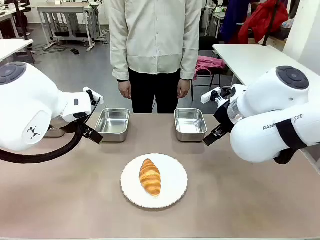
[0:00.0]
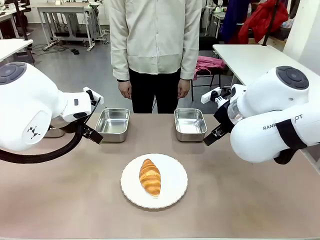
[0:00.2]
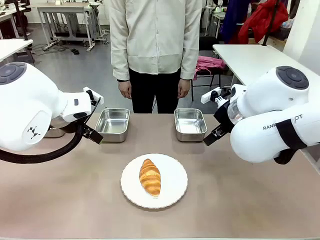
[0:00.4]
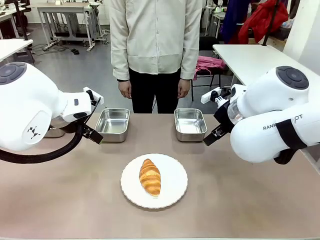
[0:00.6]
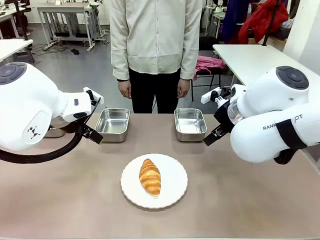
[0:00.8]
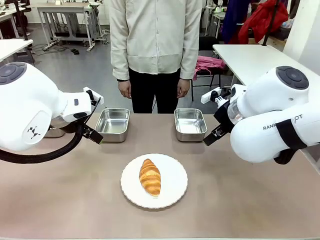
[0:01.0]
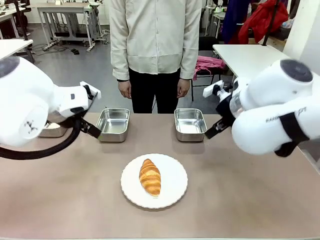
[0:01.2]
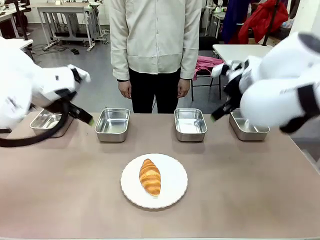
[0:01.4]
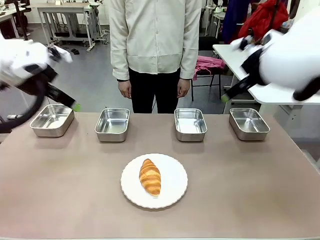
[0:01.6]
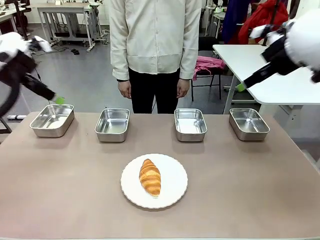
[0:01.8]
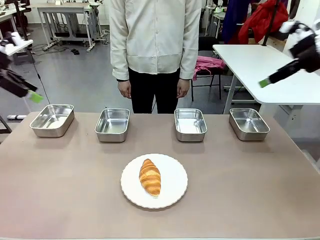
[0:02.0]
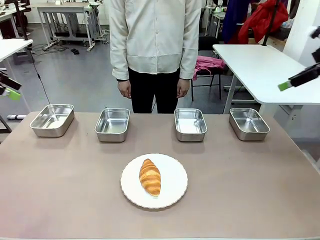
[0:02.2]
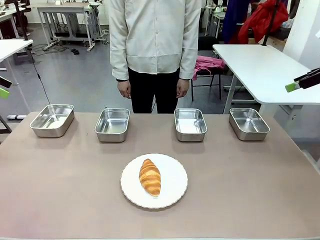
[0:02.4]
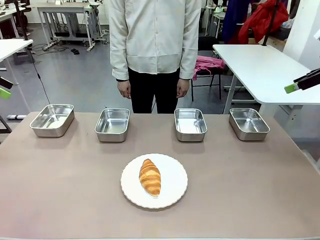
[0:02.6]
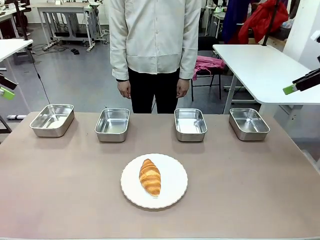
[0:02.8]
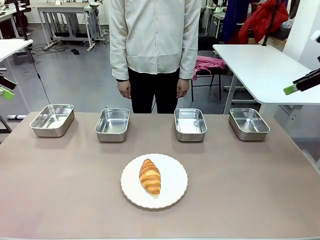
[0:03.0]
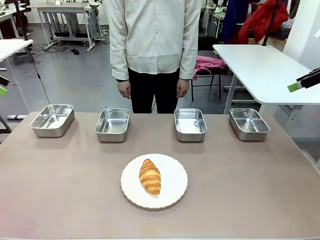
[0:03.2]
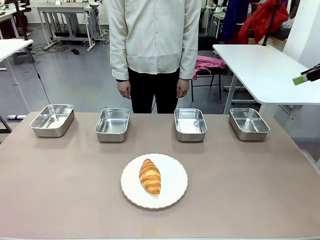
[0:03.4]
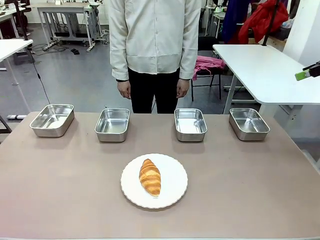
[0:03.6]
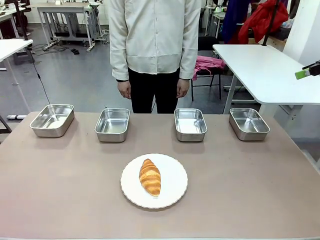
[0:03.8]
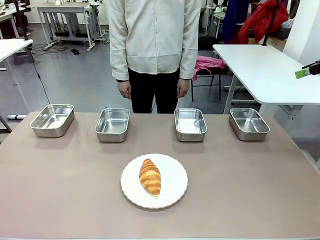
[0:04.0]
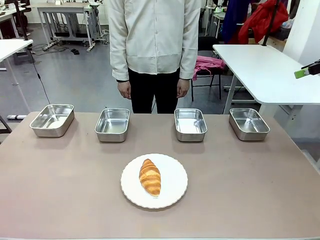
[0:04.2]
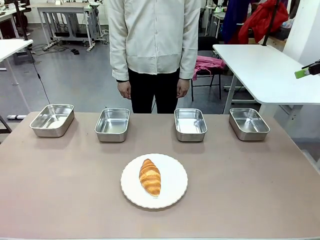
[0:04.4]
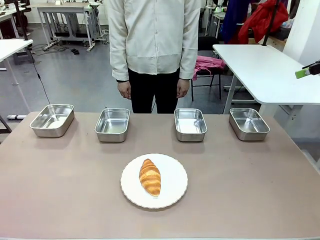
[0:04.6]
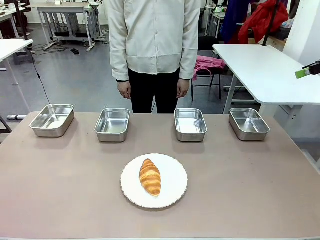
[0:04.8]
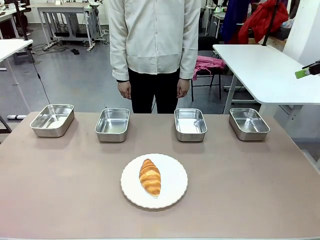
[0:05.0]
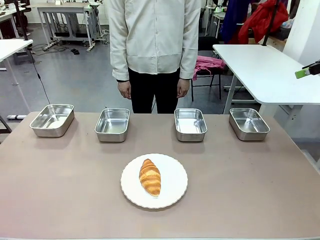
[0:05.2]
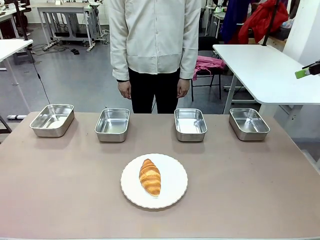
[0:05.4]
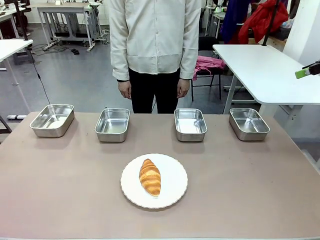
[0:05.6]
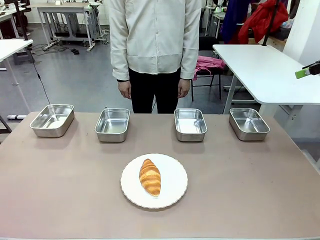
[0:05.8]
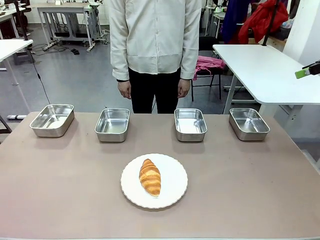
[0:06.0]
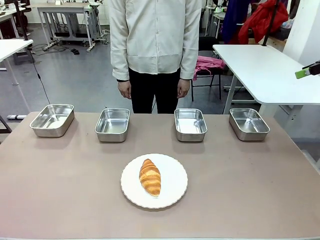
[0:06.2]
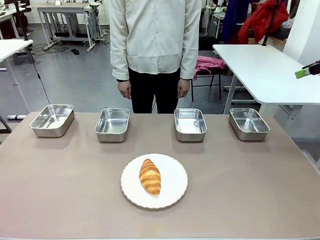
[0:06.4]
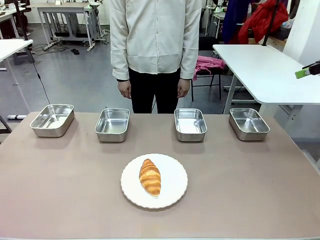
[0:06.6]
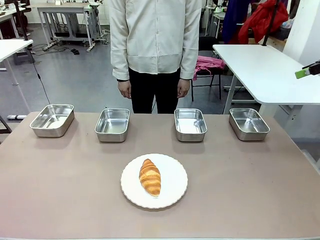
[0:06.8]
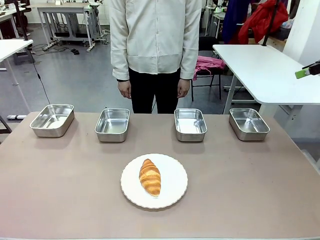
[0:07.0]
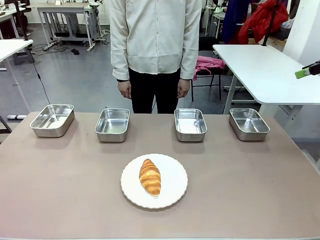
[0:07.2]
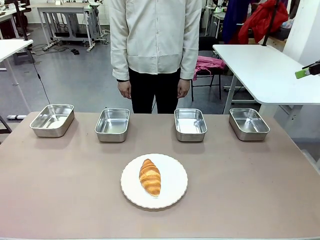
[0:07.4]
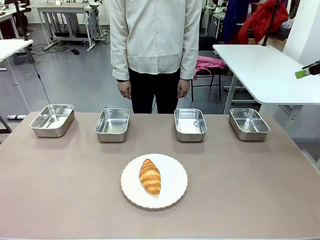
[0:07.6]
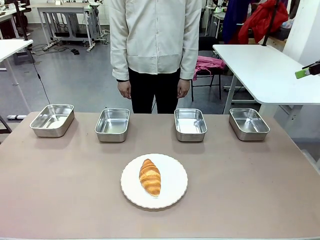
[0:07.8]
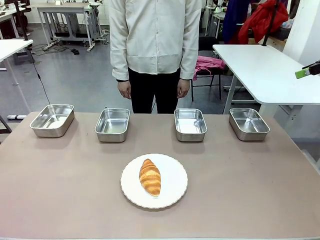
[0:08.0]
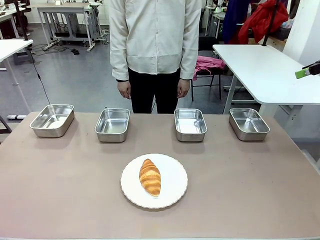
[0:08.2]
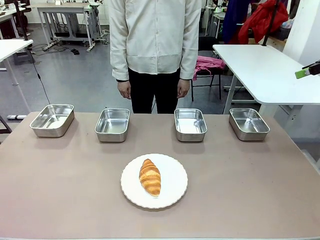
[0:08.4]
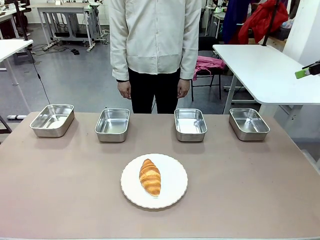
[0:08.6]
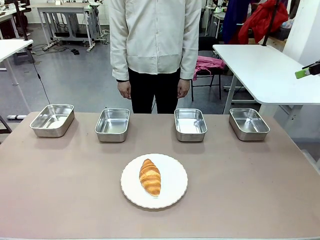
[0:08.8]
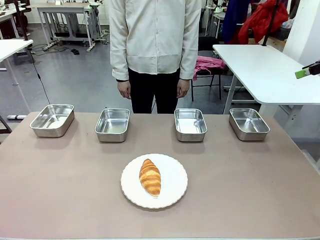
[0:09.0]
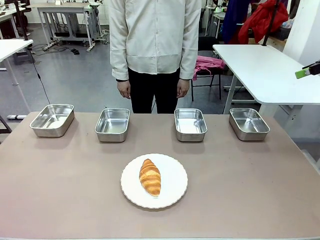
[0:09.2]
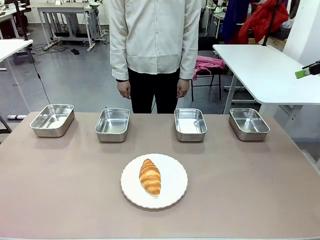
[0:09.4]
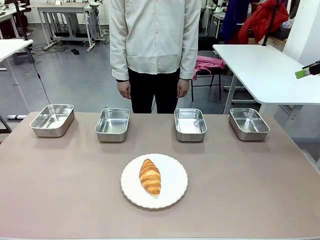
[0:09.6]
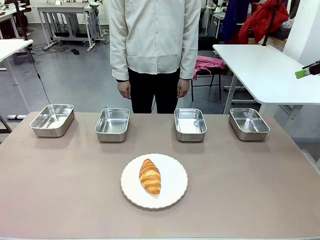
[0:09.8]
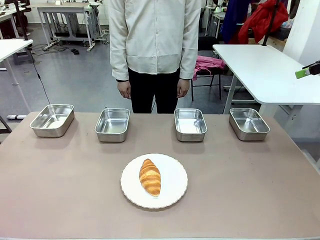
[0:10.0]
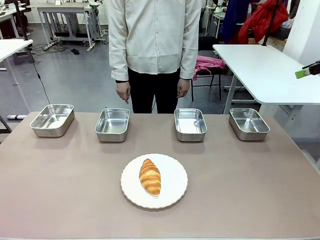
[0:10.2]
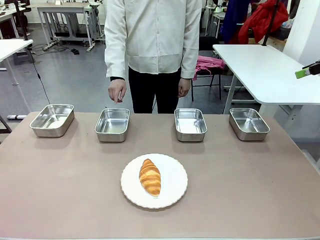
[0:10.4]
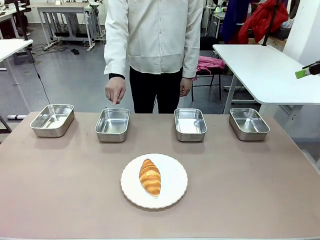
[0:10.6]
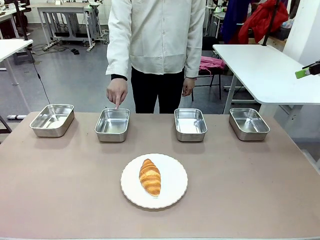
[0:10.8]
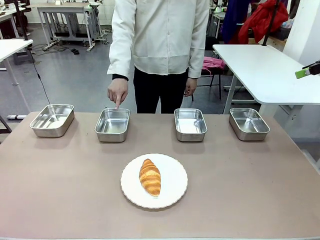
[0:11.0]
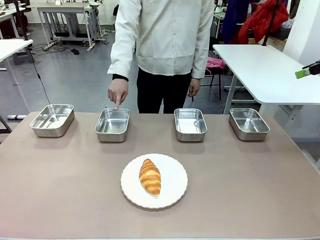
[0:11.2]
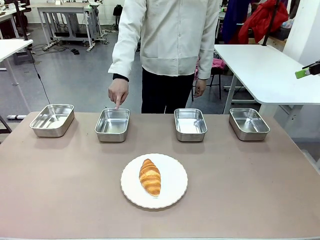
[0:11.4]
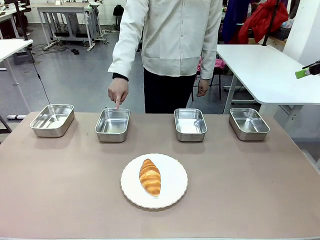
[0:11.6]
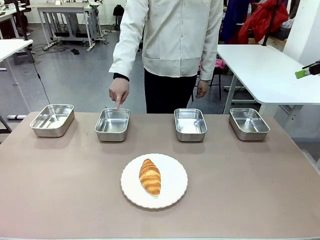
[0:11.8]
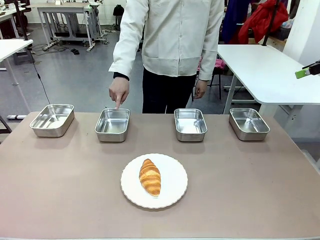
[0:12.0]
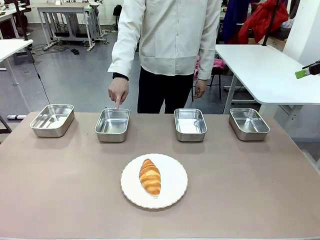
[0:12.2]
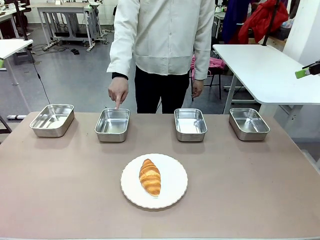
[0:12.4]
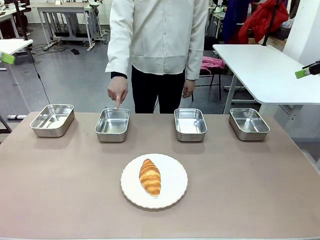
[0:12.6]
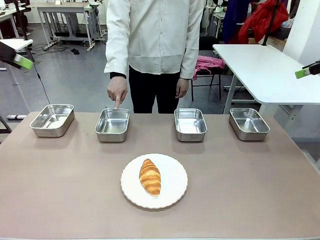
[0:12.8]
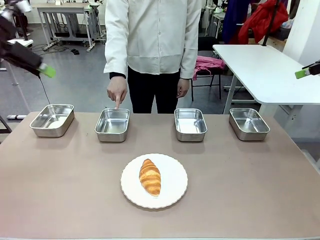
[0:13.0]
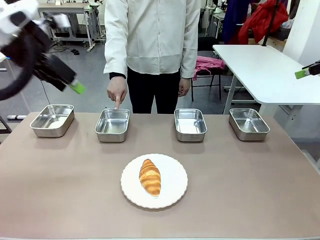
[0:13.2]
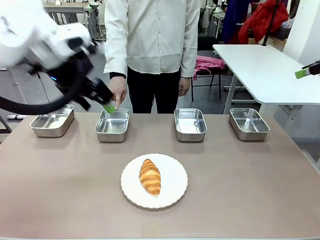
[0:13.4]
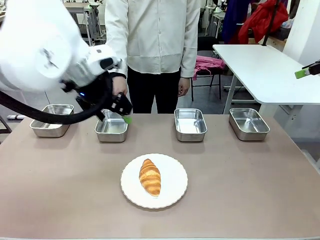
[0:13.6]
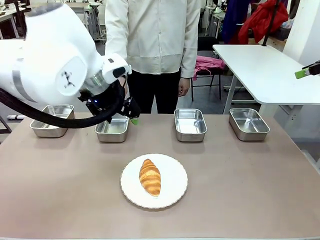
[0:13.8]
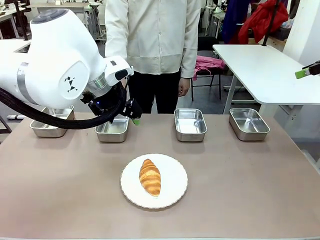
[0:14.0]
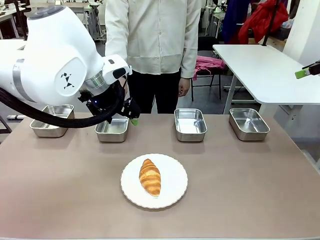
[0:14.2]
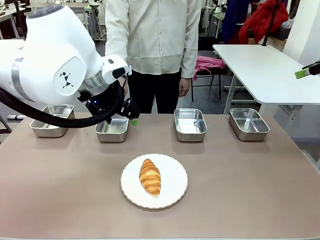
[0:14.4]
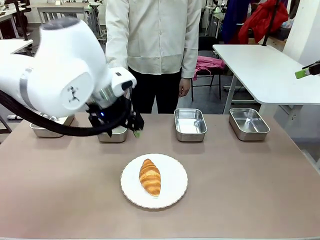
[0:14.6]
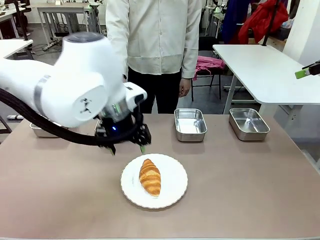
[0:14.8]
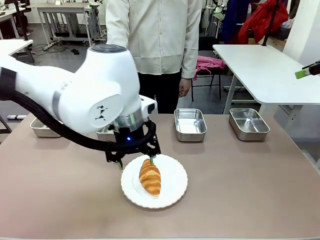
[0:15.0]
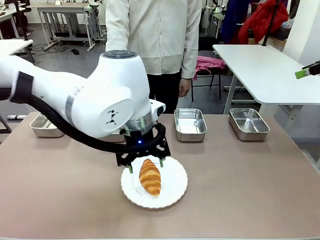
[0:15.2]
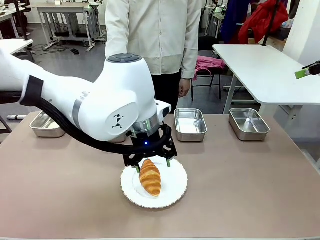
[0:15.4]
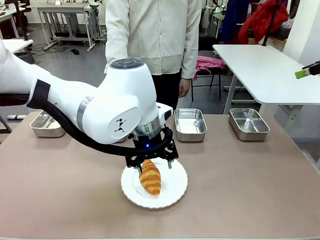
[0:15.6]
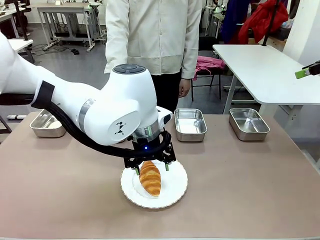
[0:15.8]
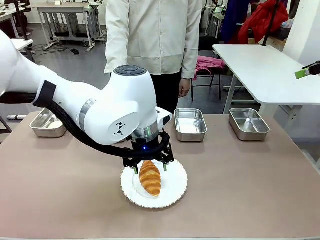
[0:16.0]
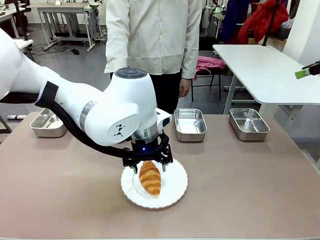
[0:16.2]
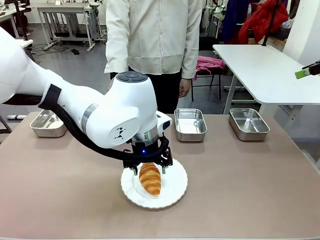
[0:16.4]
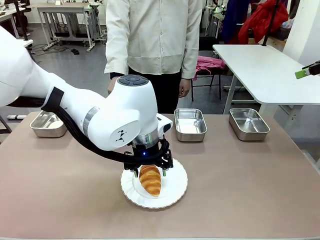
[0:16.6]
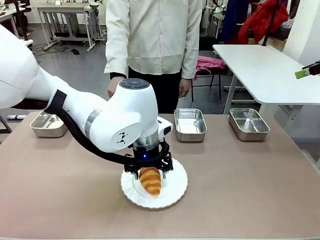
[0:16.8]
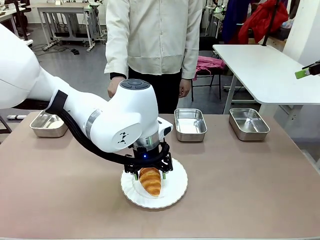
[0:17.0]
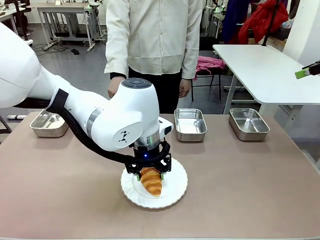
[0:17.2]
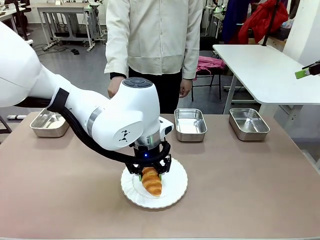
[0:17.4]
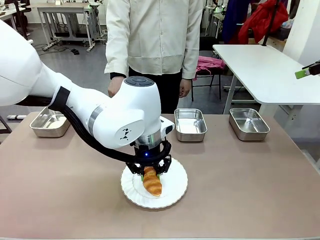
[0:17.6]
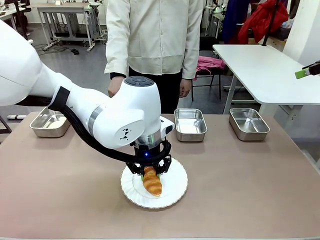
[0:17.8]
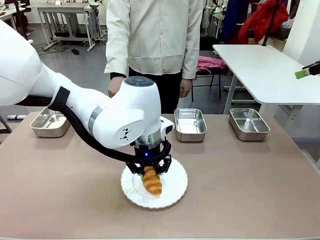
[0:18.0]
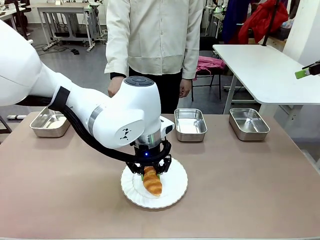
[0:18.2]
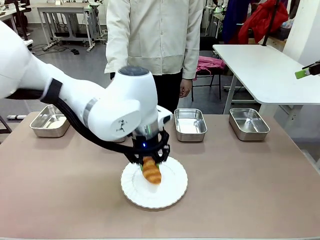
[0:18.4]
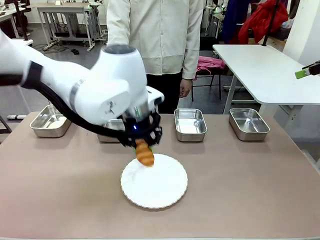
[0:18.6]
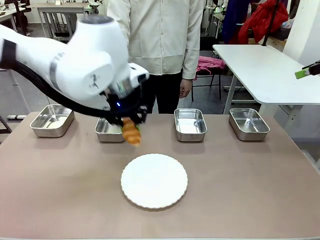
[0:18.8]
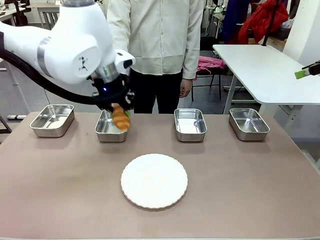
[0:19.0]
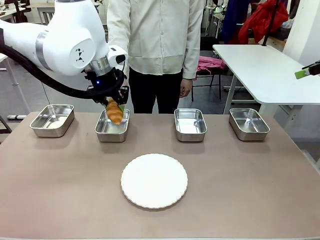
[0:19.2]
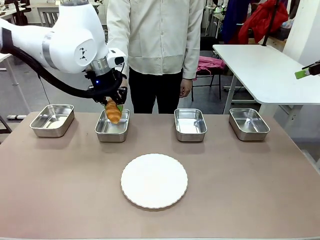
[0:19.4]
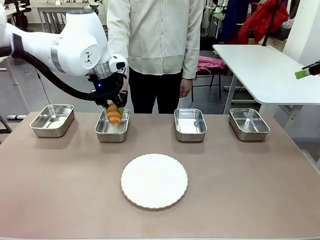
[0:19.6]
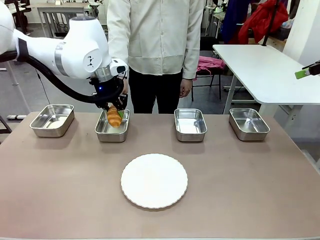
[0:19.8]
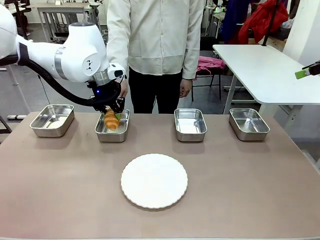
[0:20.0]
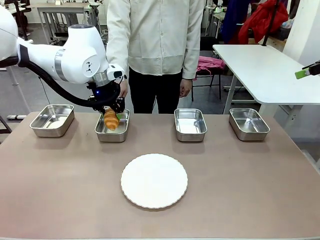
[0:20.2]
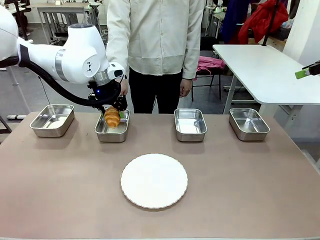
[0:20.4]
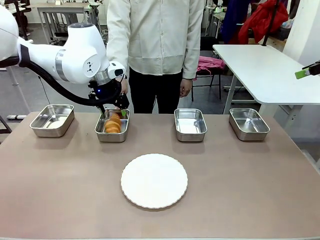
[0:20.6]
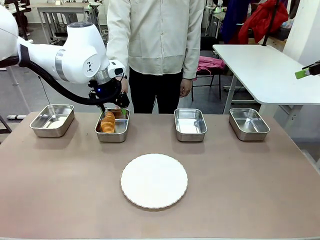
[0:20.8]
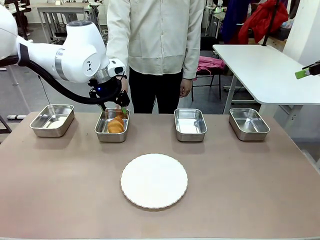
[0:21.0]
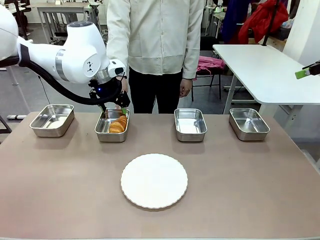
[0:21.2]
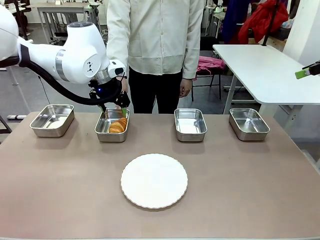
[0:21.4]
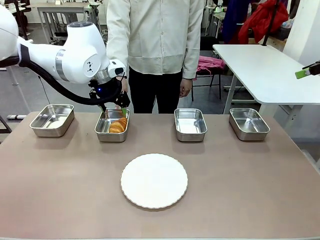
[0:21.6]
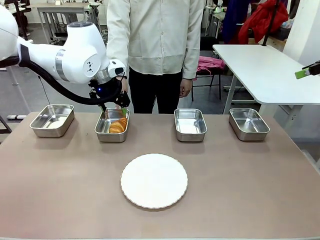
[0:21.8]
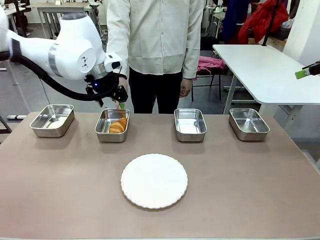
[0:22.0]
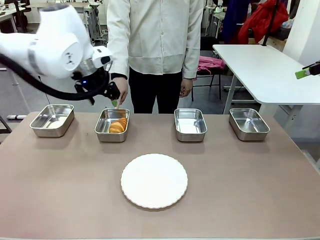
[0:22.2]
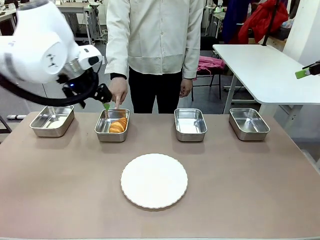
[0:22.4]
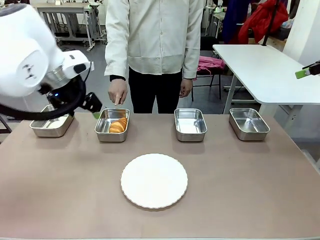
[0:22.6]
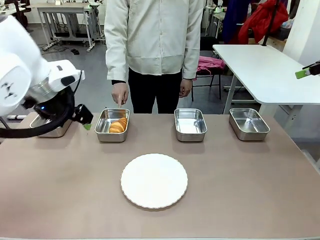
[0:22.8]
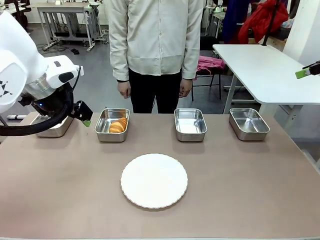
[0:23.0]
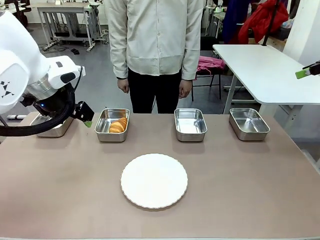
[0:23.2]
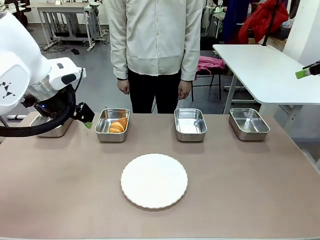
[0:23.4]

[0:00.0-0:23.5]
Task: Place the bread in the container.
Robot: Place the Butter Roll into the Airtight Container indicated by the human.
Person: A person randomly selects and points to an Airtight Container.
